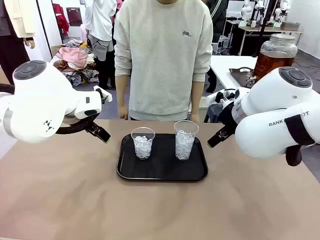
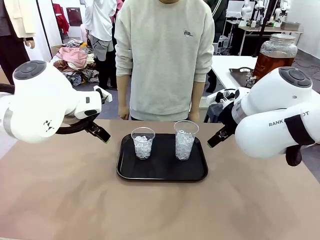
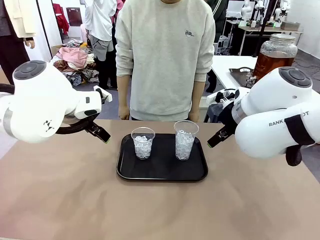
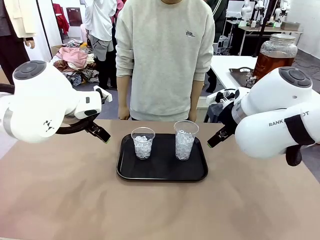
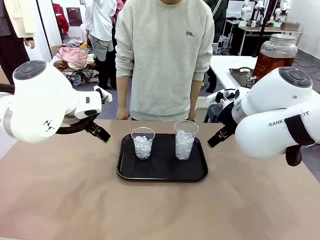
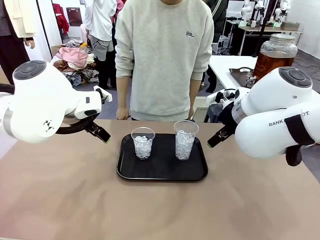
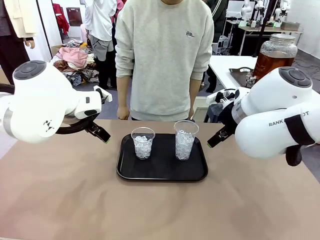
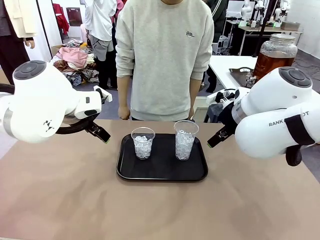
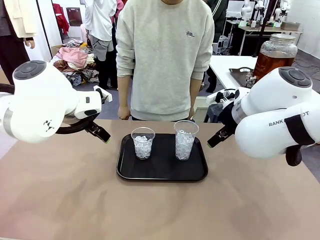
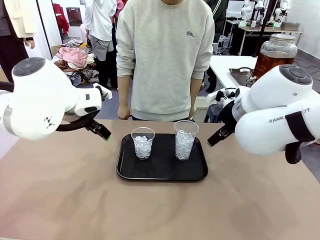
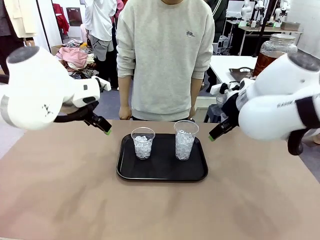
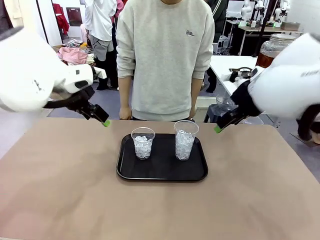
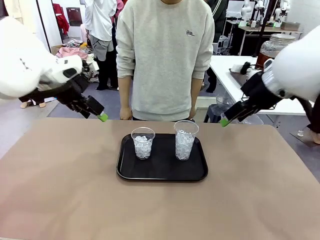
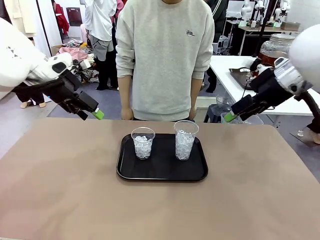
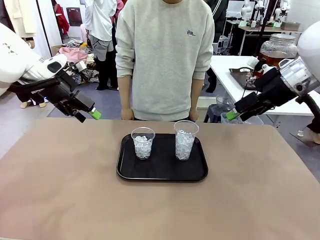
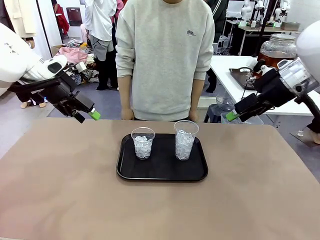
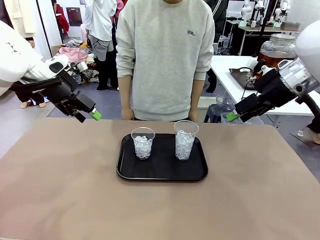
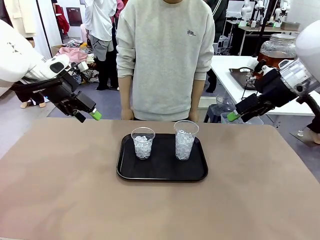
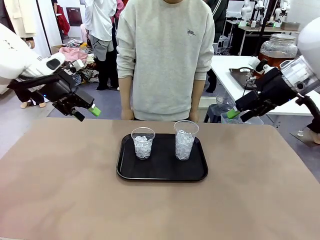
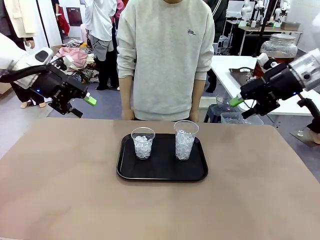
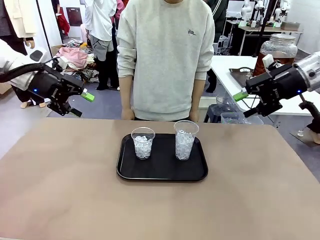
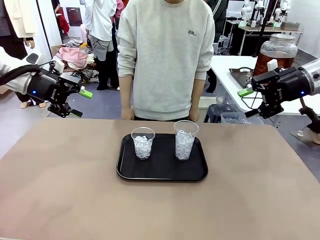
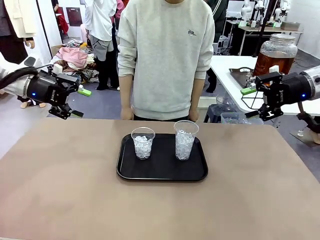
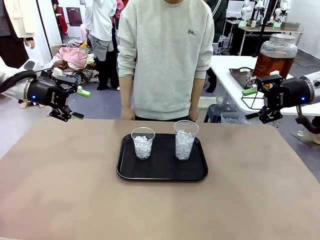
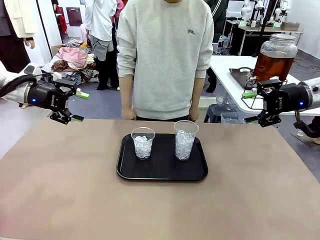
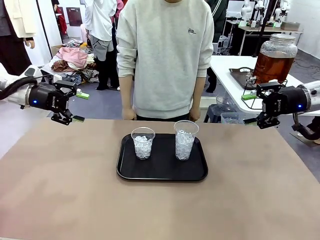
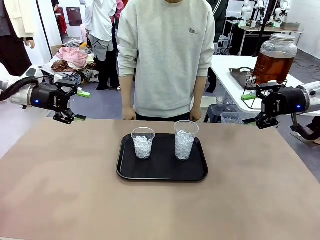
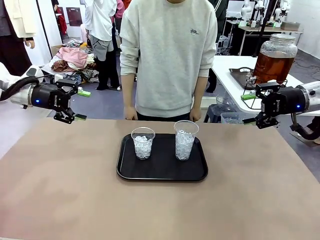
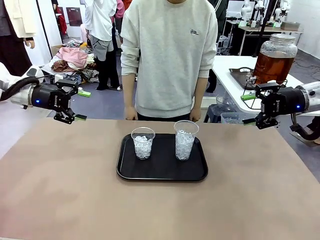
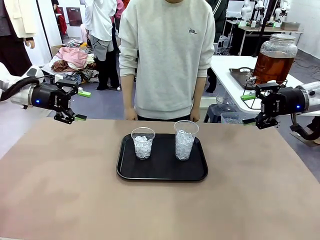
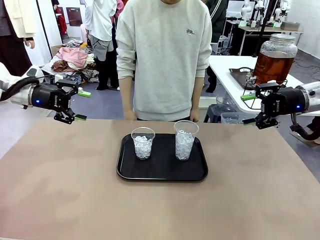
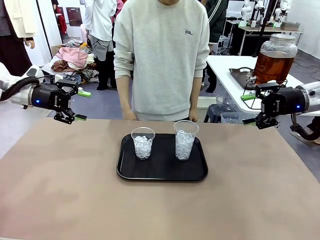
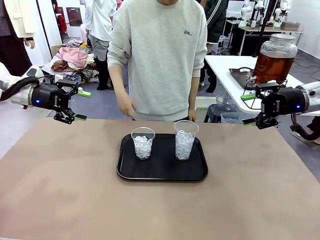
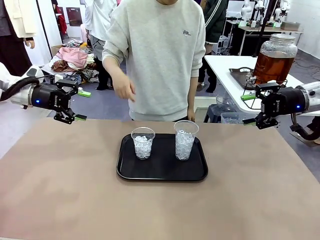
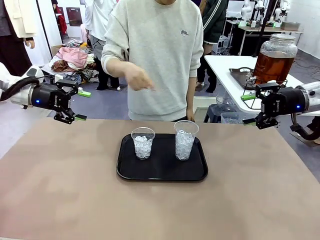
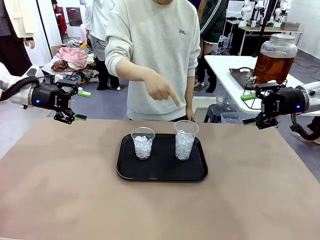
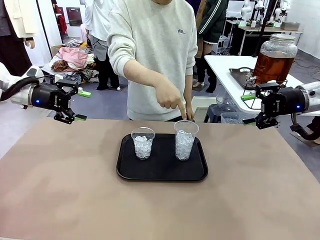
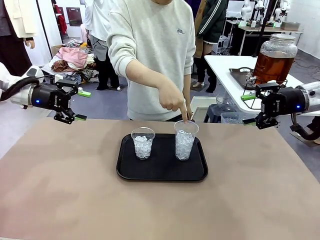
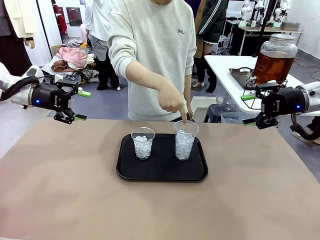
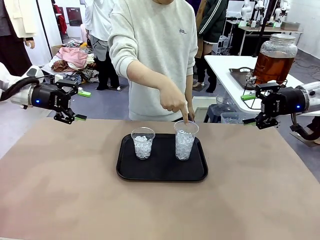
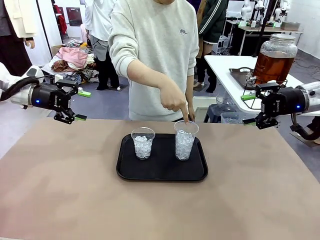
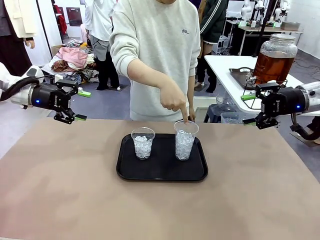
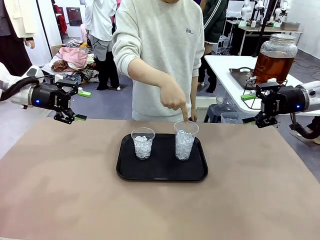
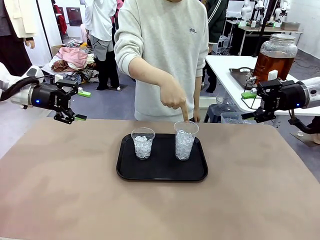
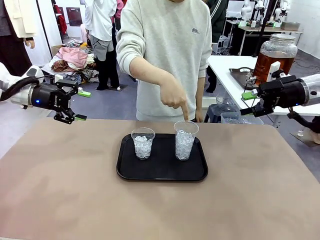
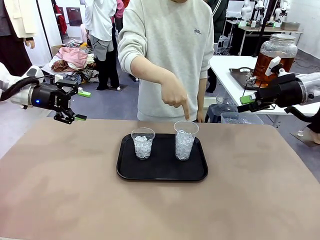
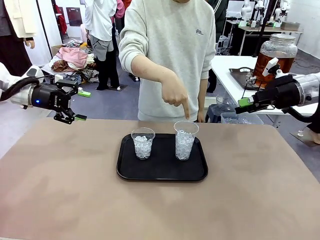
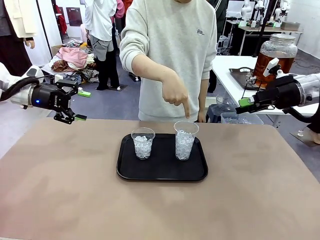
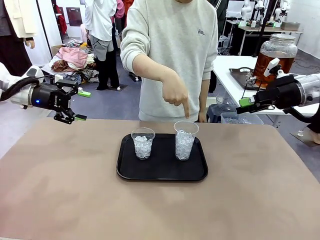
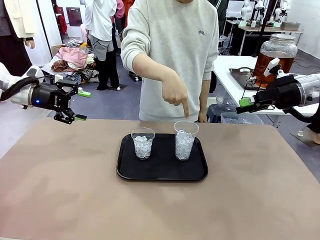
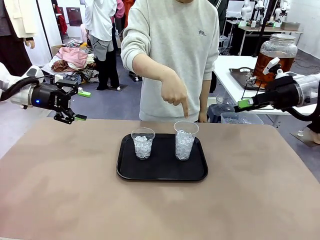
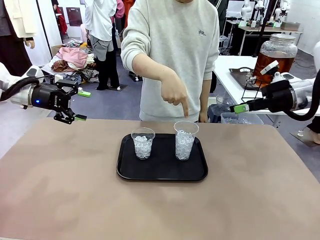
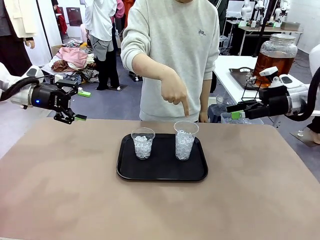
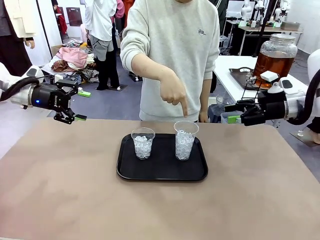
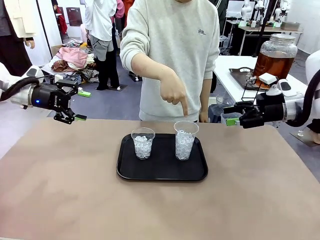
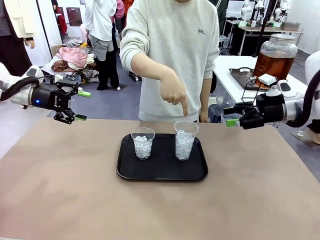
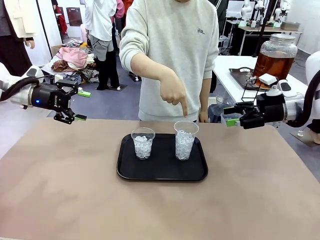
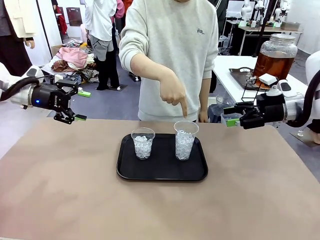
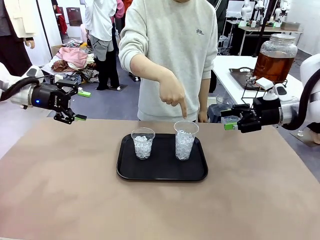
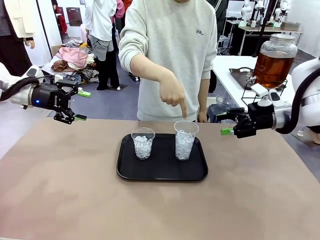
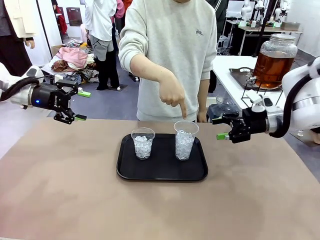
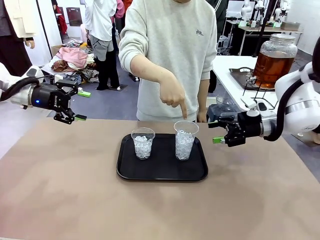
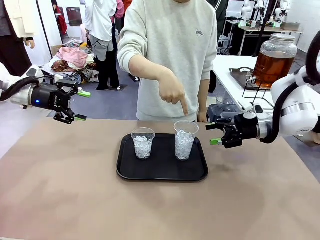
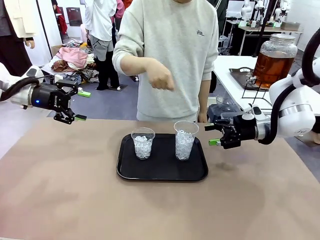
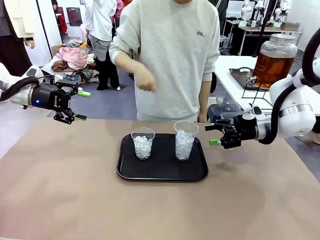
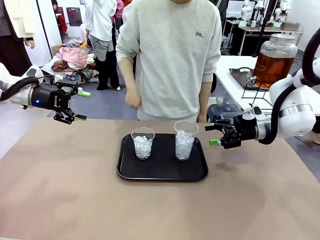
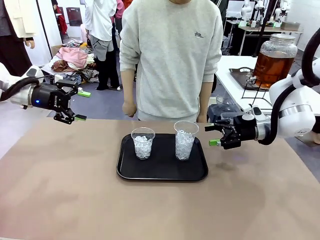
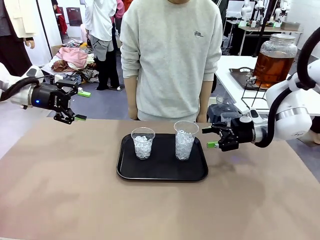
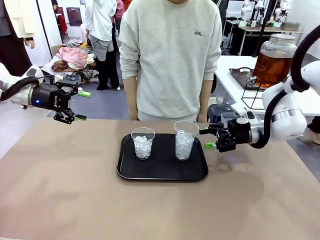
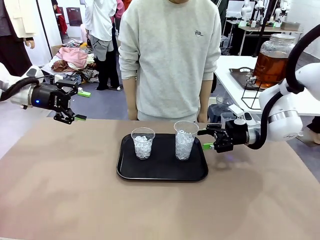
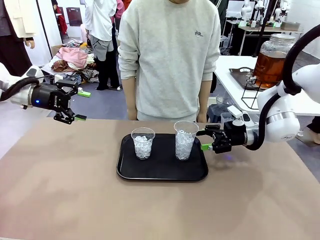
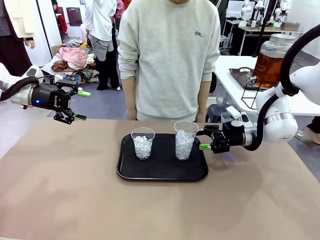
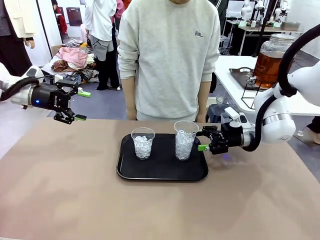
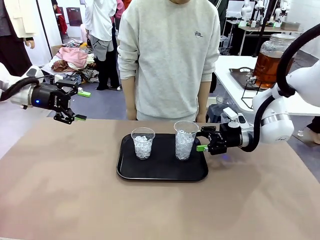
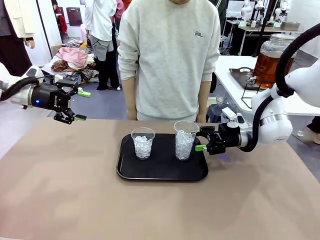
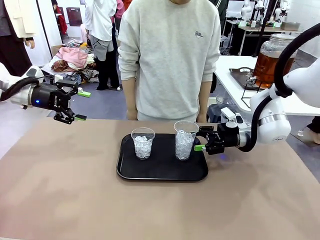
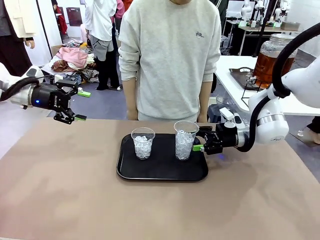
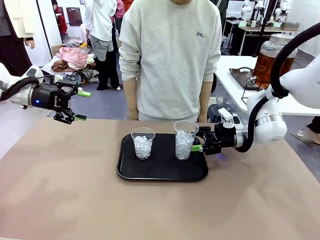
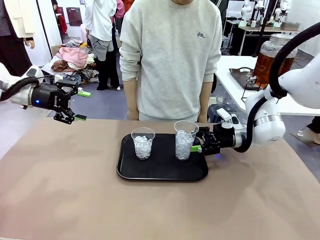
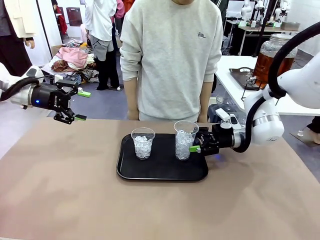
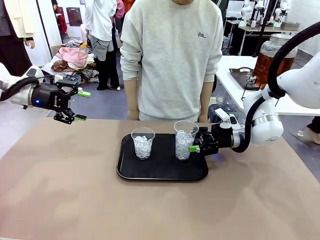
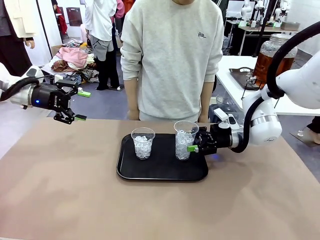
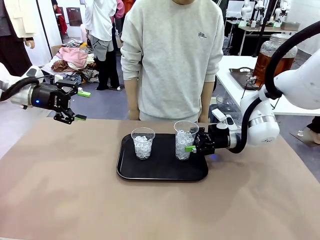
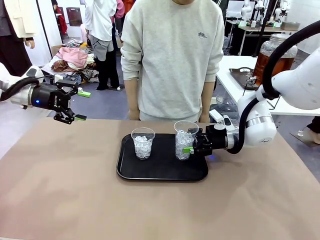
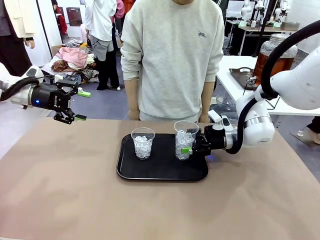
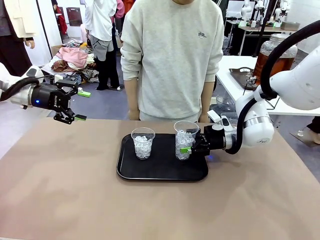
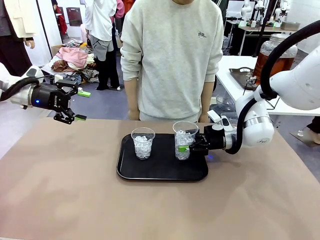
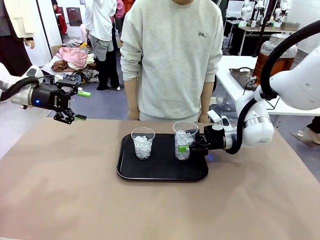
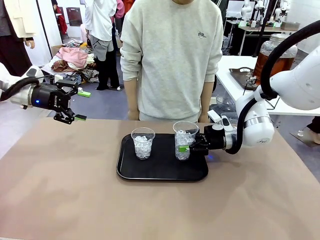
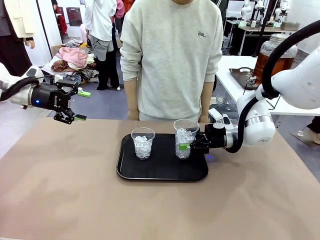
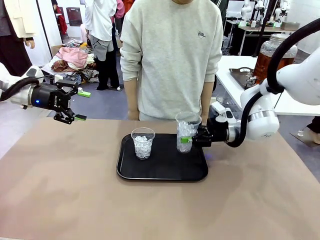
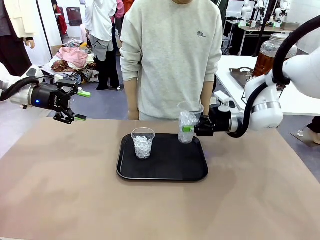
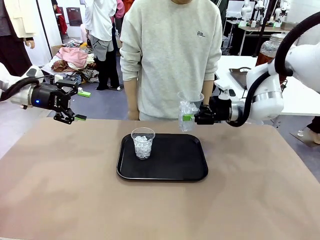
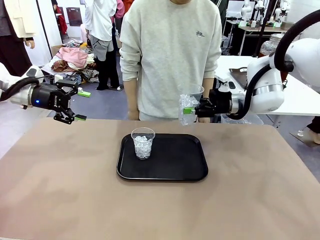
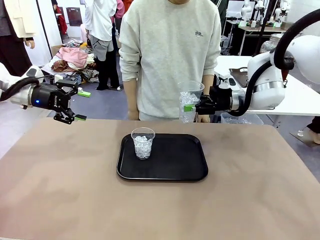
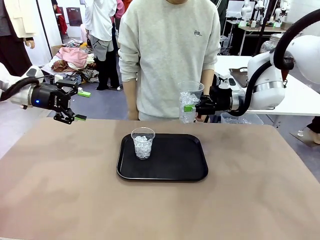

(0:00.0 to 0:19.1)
Task: Pour the drink into the iced cup.
Robot: Pick up the iced cup indicated by the human and present it to them.
Person: Point to one of the two ice cups. Pick up the cup offered by the robot.

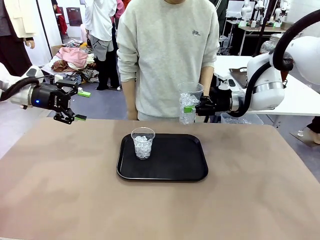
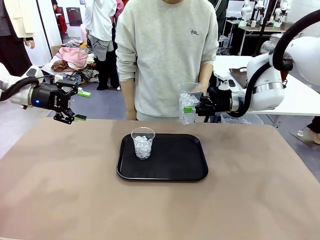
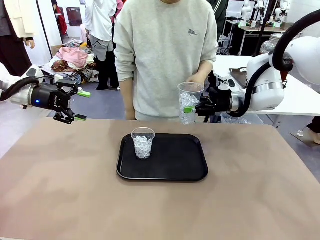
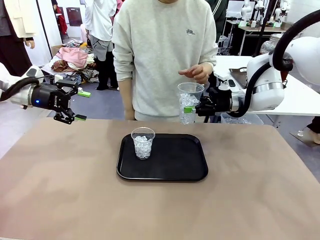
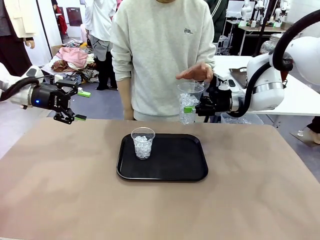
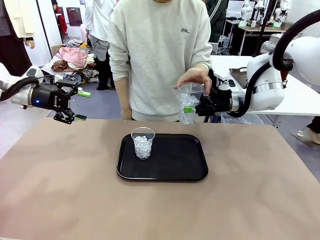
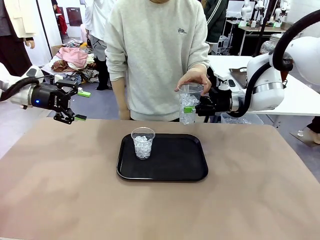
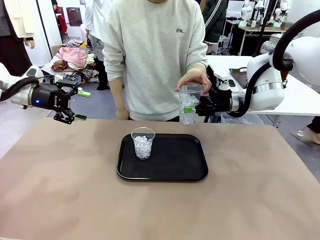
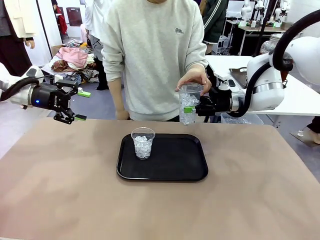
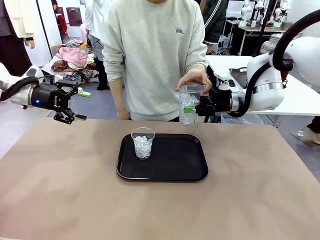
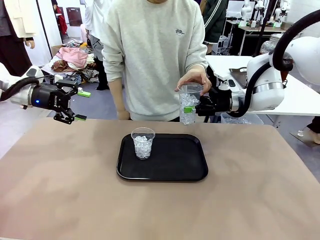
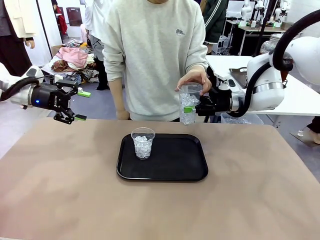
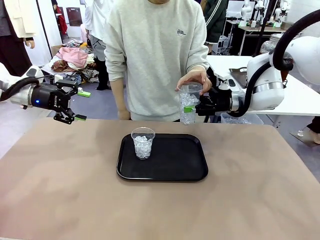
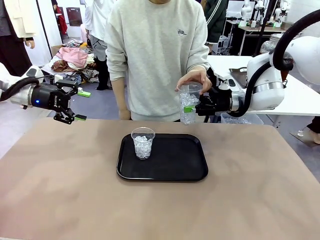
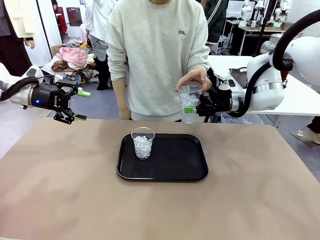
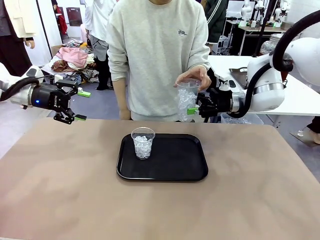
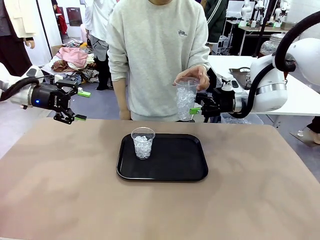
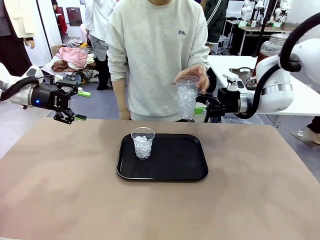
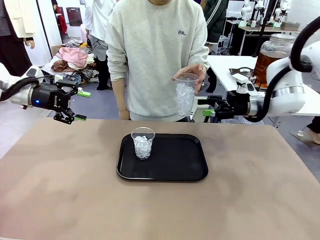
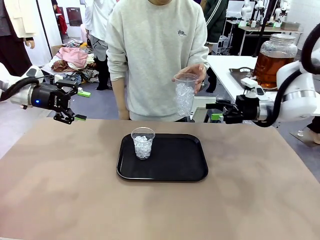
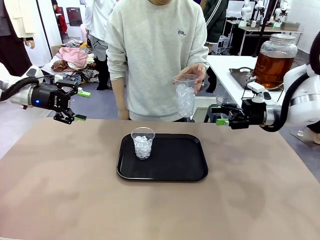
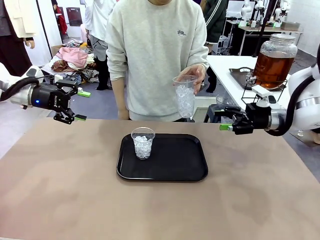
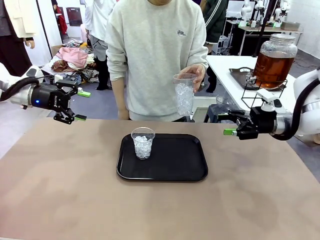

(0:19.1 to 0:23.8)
Robot: Open the gripper to release the iced cup you were holding.
